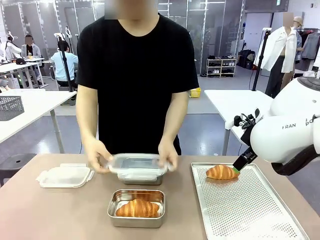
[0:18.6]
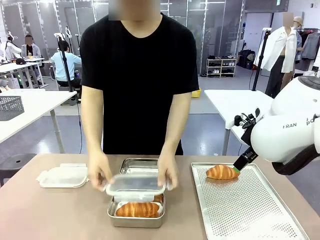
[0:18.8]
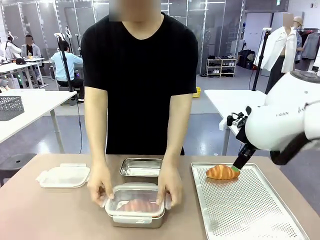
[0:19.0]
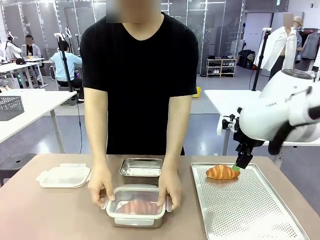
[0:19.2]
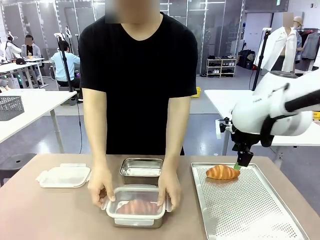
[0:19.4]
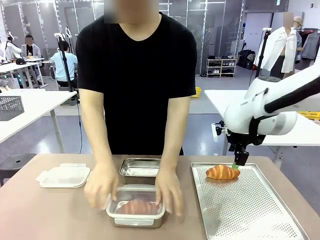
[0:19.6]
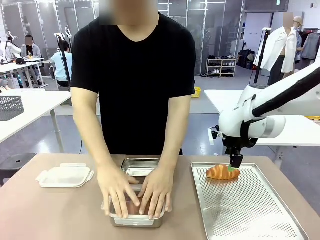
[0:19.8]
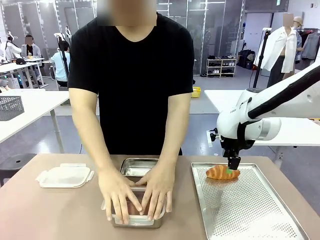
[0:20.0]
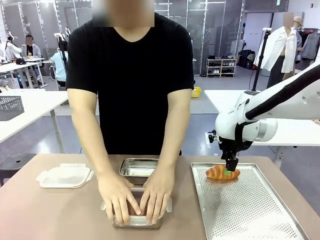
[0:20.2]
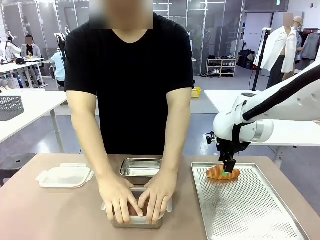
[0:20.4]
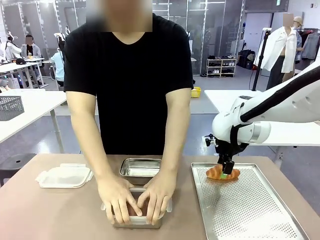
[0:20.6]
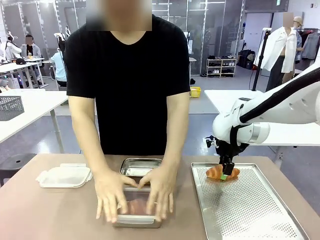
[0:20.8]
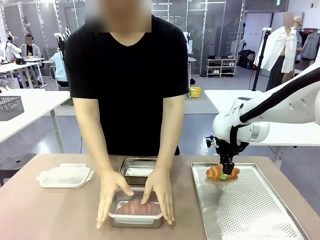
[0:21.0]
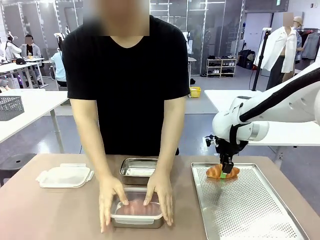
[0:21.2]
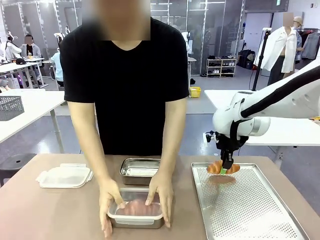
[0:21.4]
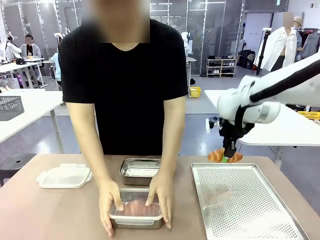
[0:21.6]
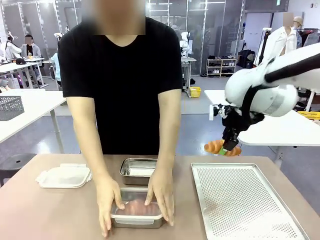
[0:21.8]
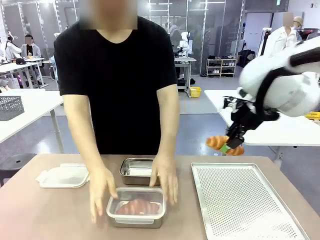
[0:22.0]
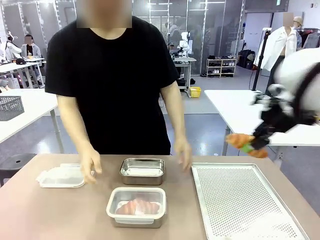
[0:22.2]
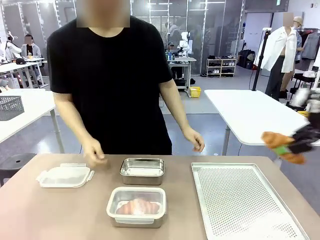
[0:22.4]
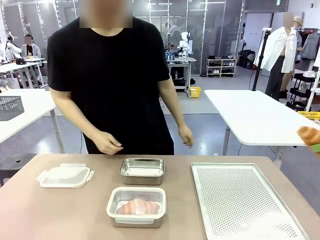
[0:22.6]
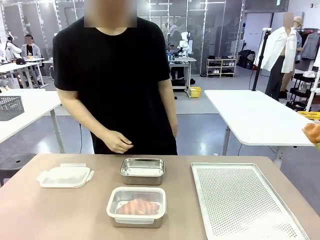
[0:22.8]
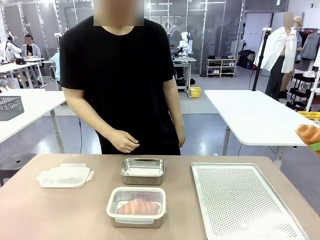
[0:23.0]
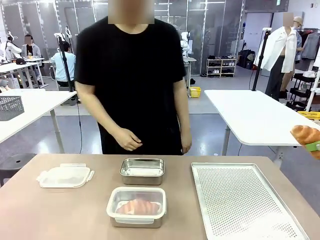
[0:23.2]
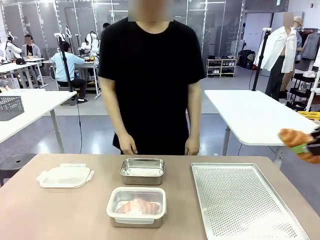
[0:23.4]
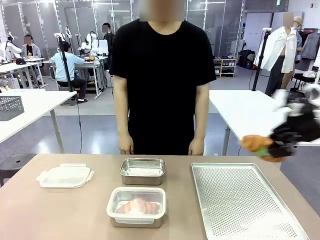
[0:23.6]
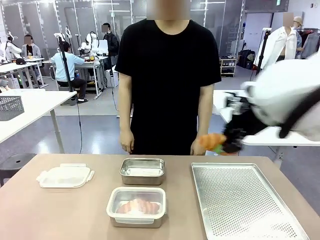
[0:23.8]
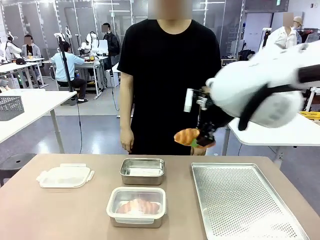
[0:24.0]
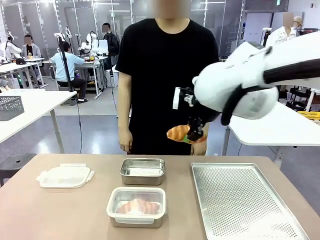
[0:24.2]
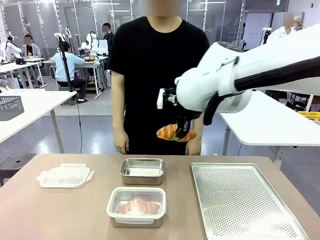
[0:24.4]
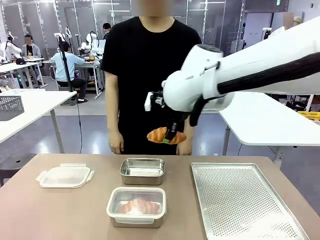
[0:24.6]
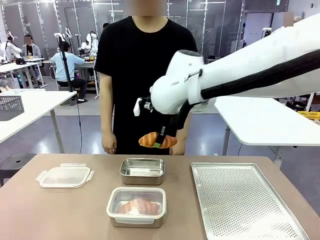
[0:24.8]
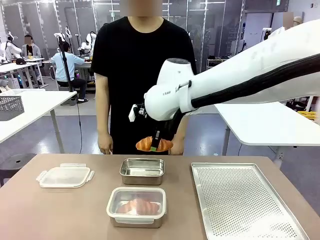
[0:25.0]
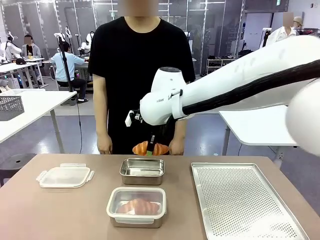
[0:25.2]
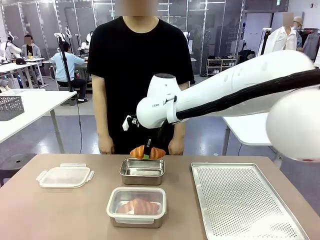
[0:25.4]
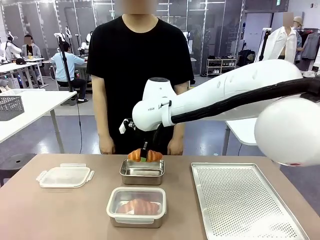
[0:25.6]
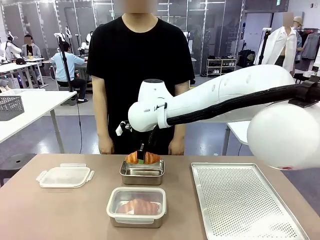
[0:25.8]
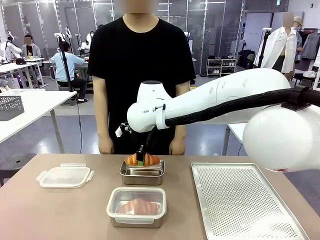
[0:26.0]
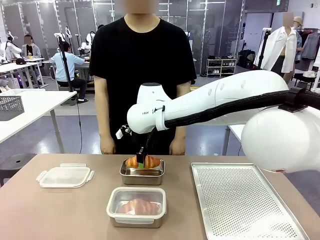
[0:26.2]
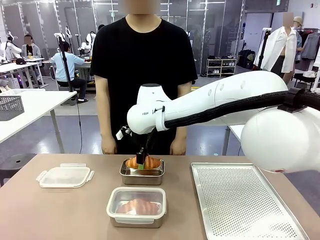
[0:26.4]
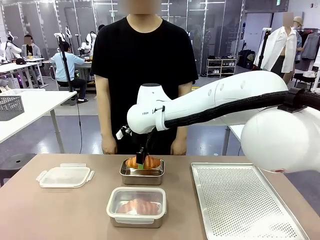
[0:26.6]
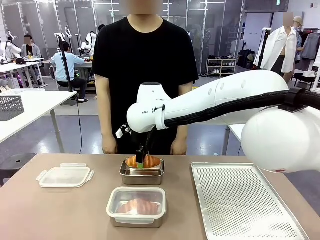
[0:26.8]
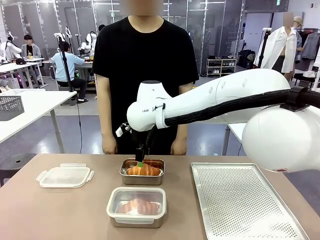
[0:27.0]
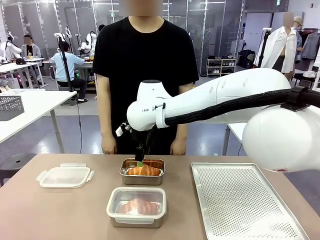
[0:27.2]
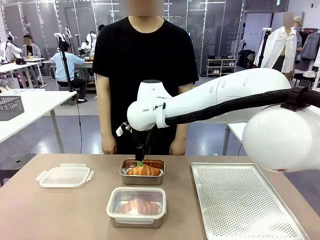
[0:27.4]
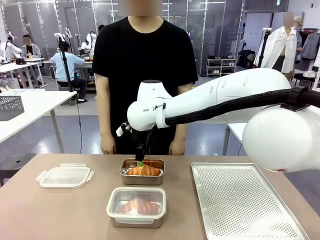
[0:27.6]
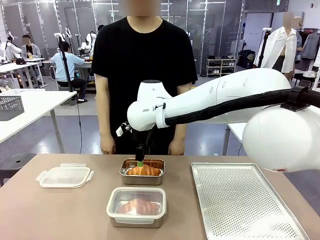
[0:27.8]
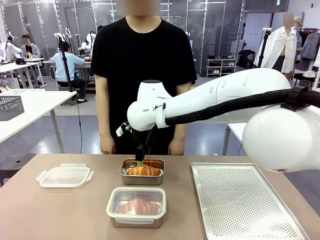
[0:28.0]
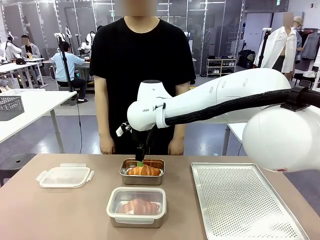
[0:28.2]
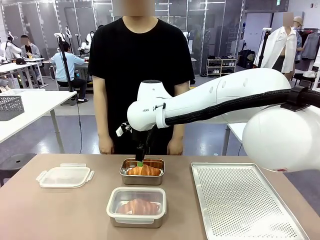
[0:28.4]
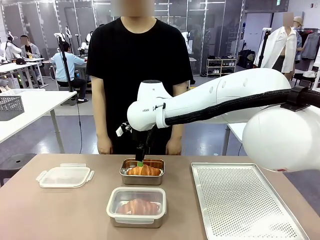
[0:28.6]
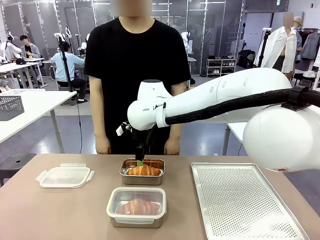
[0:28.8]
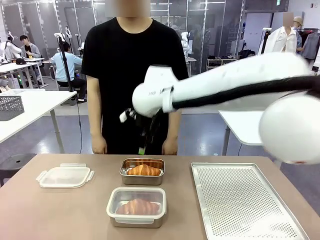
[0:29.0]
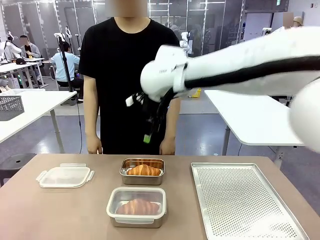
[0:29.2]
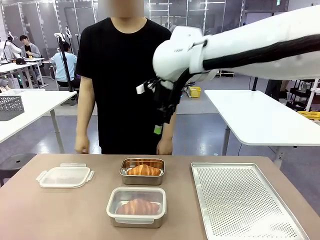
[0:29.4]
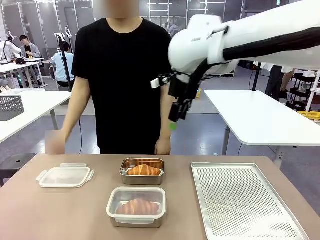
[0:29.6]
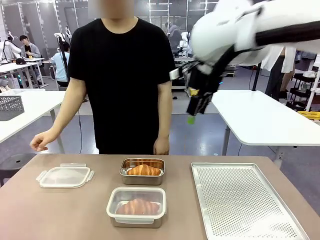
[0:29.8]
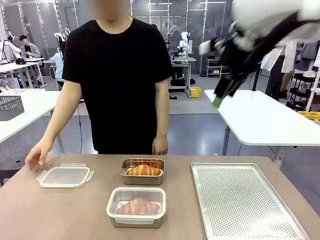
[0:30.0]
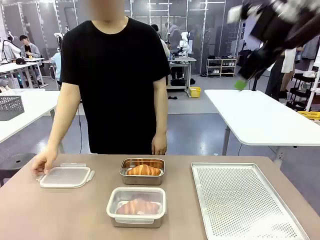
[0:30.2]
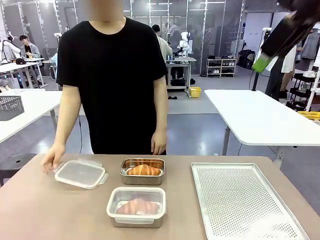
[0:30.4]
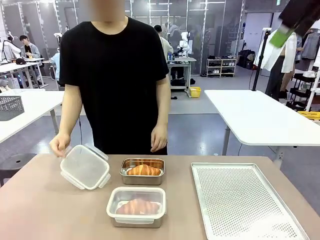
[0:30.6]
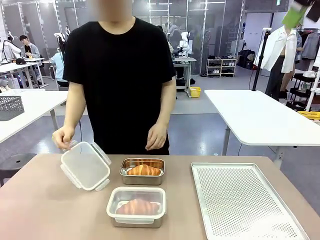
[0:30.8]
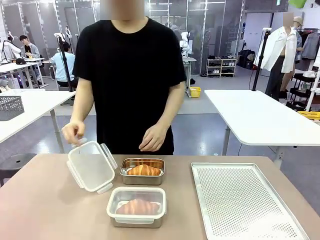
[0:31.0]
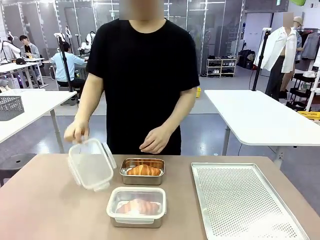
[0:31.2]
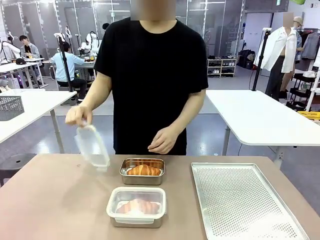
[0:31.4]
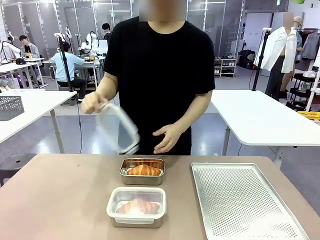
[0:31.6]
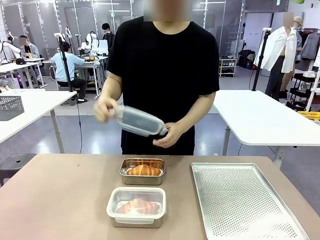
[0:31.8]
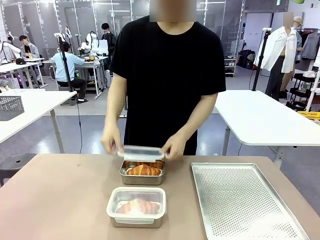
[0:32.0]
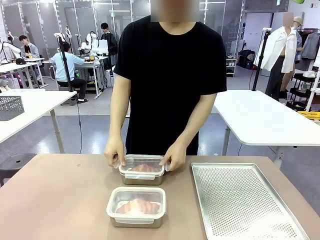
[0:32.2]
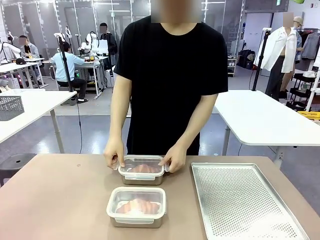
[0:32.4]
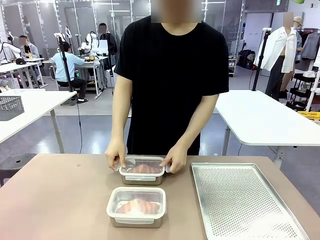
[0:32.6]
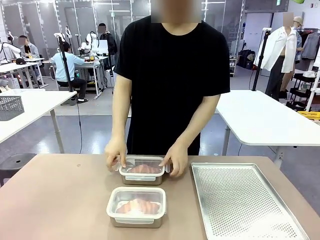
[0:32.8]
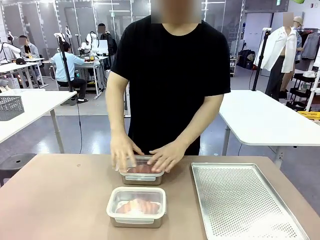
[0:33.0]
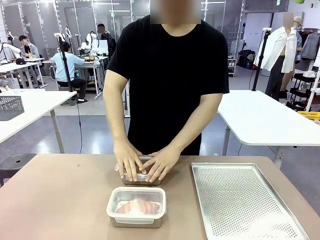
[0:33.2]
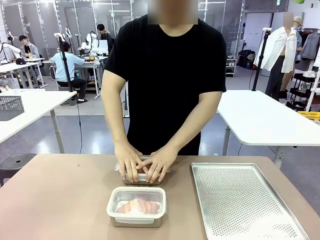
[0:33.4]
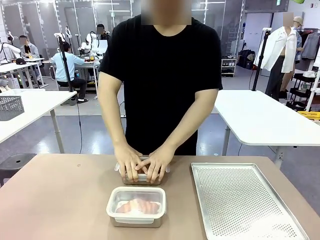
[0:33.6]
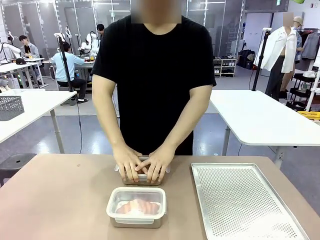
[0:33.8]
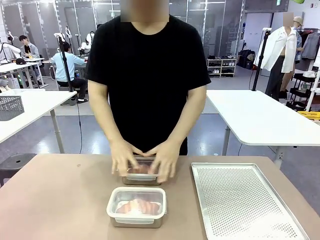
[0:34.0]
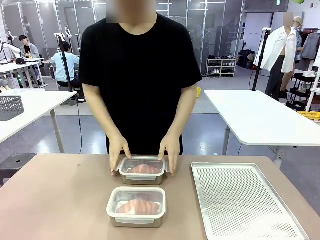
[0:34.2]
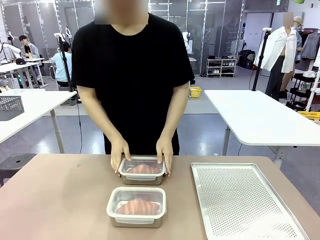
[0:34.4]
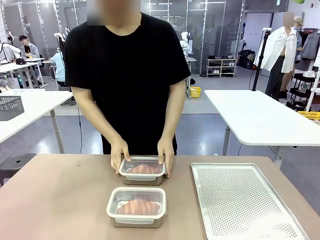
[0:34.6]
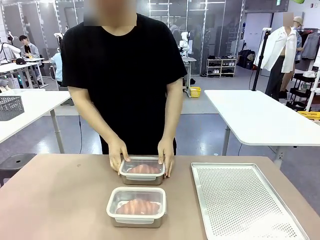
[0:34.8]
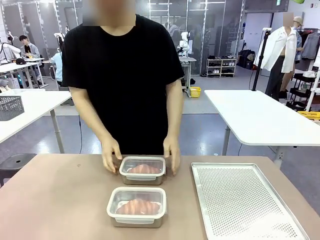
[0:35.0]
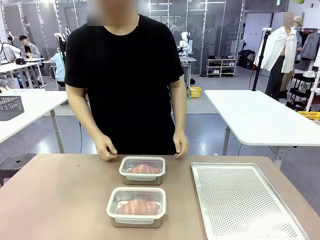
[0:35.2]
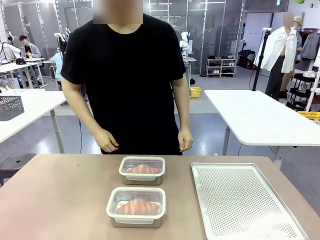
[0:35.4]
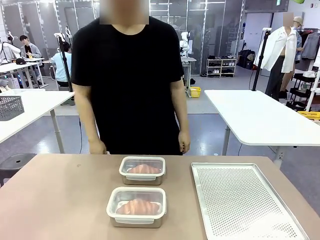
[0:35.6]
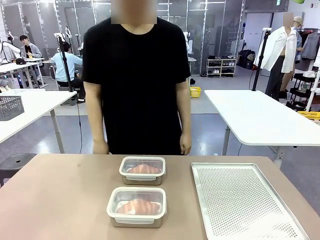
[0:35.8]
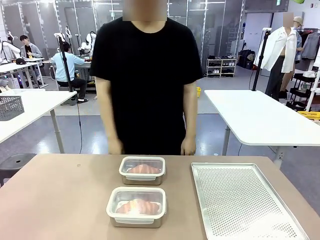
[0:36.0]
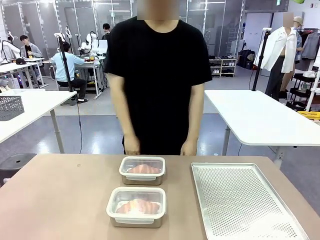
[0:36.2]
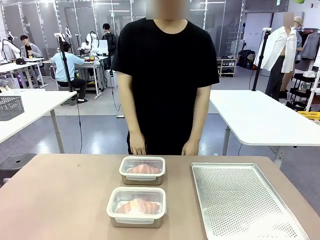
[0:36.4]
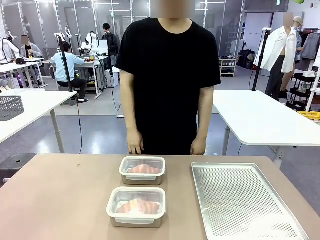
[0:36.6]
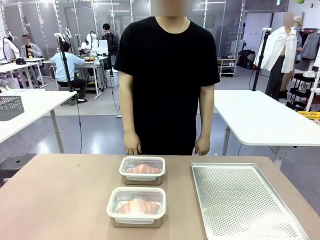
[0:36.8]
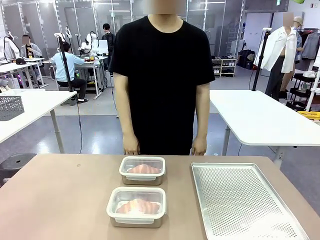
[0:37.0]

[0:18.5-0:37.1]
Task: Place the bread into the airtight container.
Robot: Pick up a Butter Roll and place it into an empty Airtight Container.
Person: Once a Butter Roll is inside an Airtight Container , close the lid of that Airtight Container.
